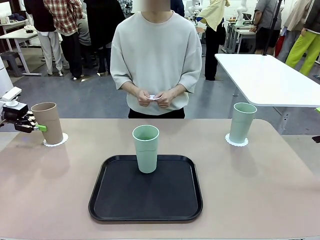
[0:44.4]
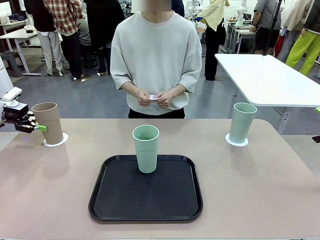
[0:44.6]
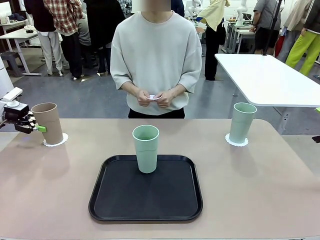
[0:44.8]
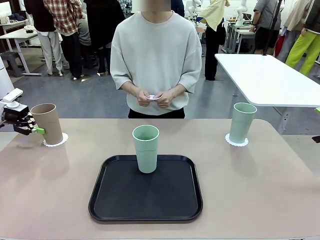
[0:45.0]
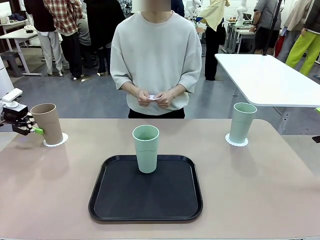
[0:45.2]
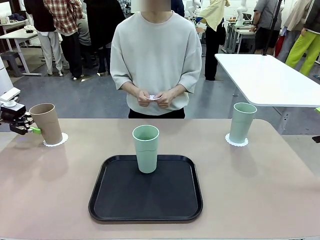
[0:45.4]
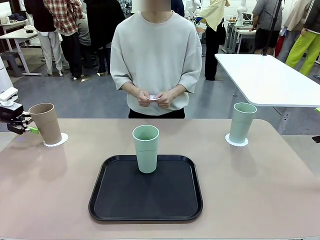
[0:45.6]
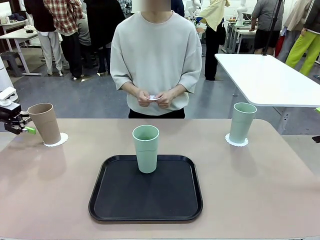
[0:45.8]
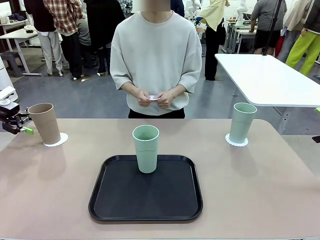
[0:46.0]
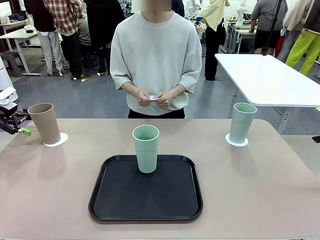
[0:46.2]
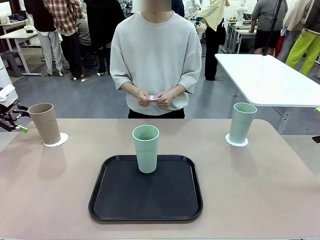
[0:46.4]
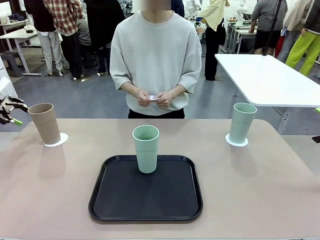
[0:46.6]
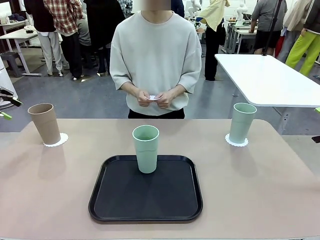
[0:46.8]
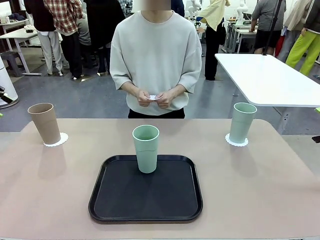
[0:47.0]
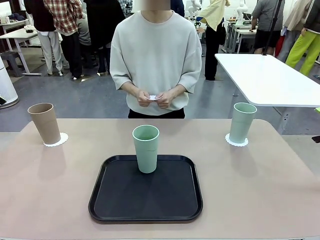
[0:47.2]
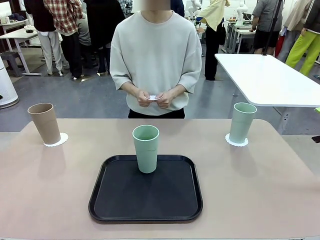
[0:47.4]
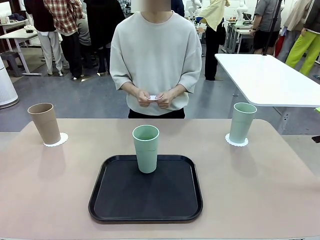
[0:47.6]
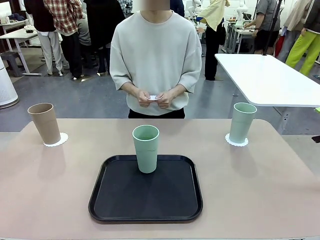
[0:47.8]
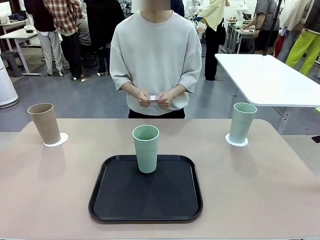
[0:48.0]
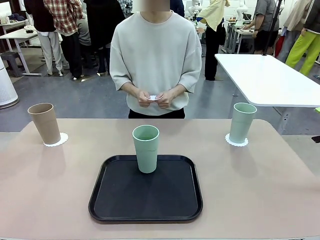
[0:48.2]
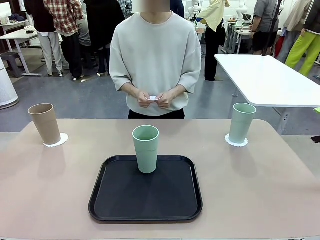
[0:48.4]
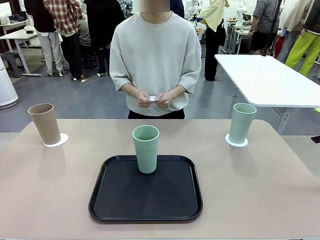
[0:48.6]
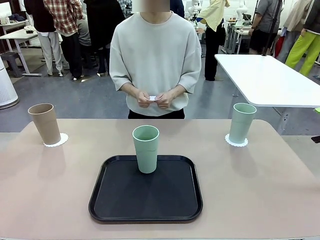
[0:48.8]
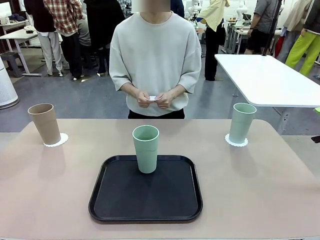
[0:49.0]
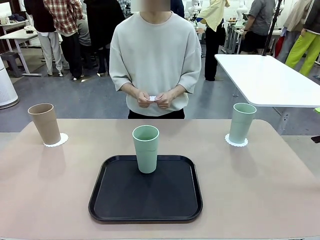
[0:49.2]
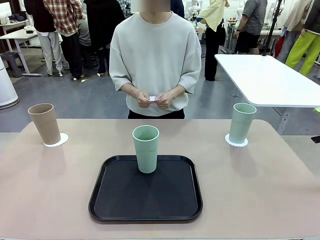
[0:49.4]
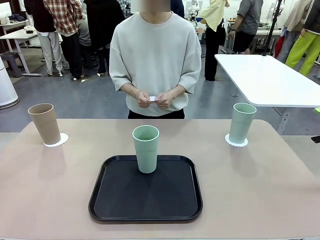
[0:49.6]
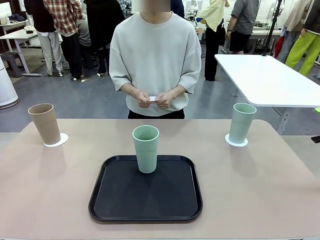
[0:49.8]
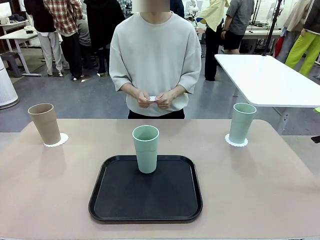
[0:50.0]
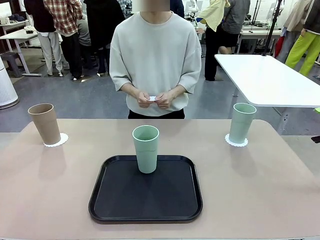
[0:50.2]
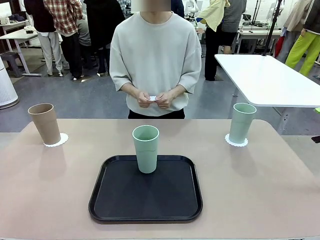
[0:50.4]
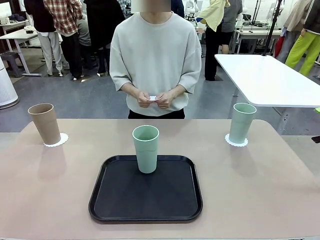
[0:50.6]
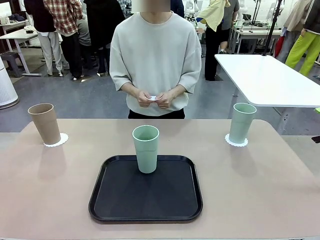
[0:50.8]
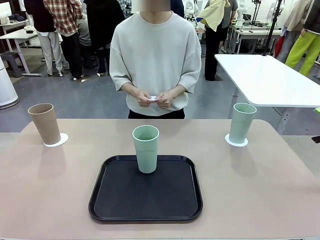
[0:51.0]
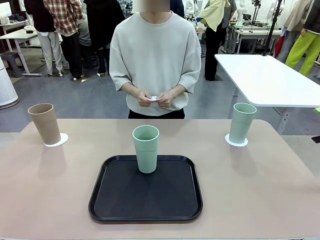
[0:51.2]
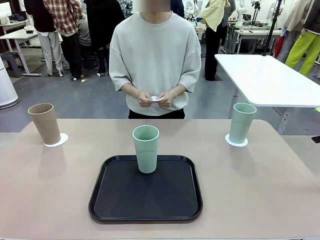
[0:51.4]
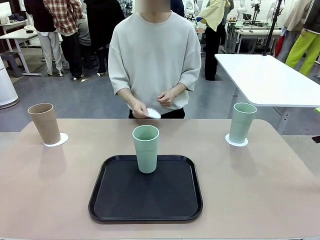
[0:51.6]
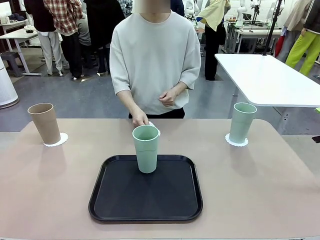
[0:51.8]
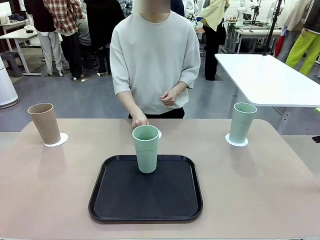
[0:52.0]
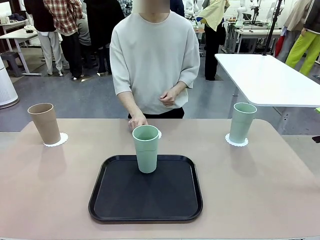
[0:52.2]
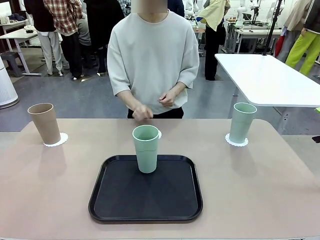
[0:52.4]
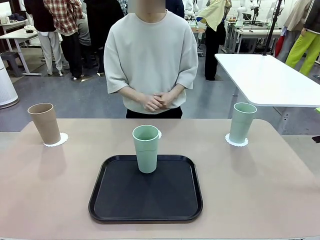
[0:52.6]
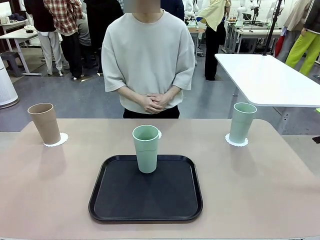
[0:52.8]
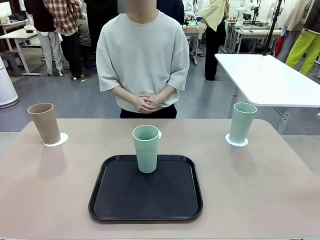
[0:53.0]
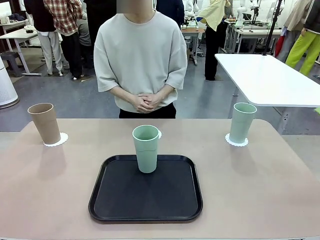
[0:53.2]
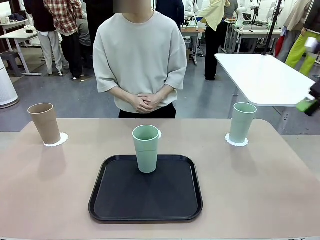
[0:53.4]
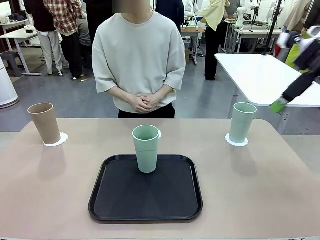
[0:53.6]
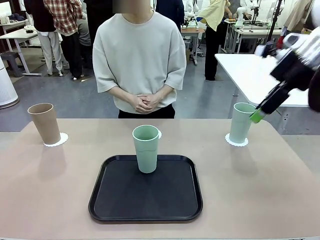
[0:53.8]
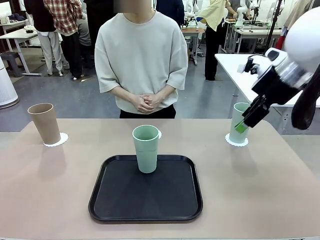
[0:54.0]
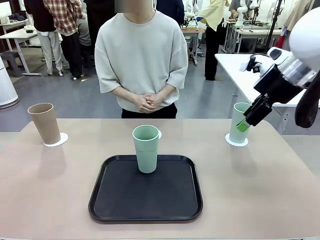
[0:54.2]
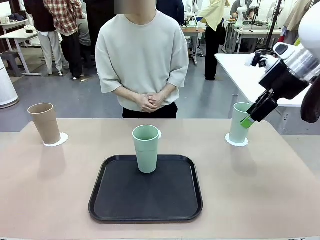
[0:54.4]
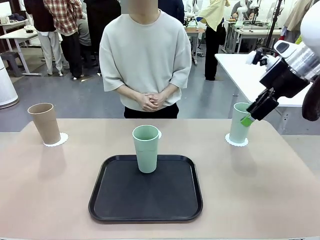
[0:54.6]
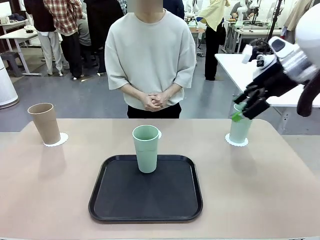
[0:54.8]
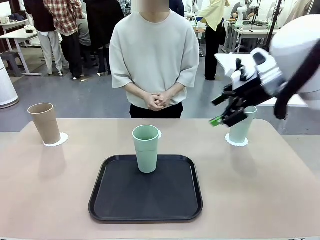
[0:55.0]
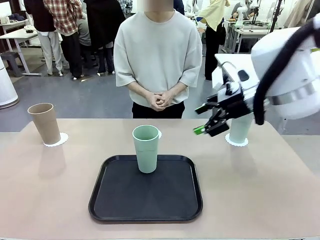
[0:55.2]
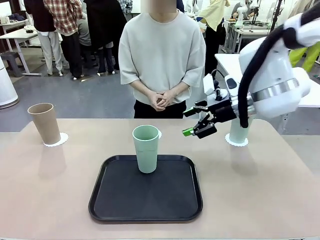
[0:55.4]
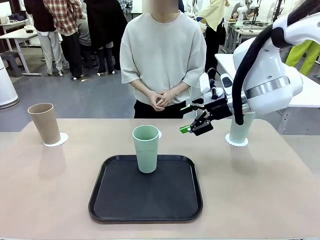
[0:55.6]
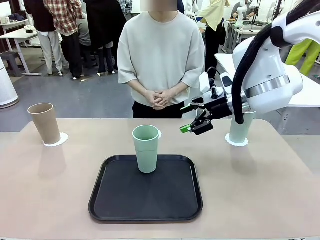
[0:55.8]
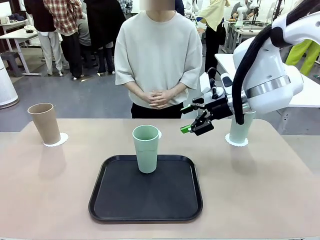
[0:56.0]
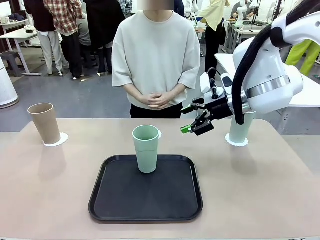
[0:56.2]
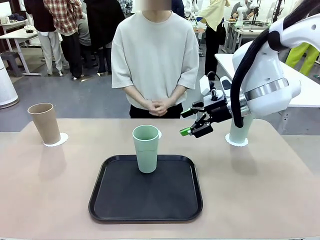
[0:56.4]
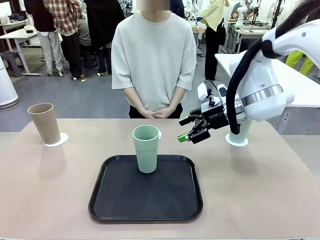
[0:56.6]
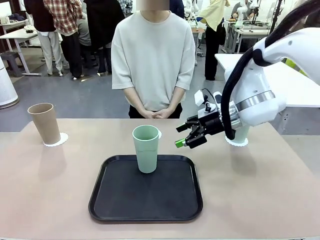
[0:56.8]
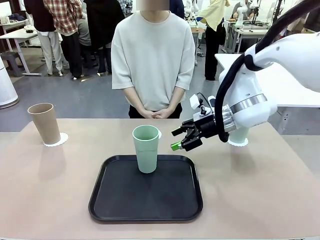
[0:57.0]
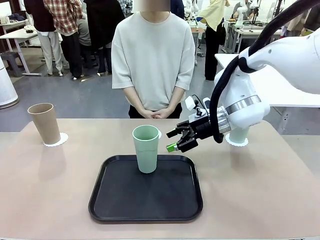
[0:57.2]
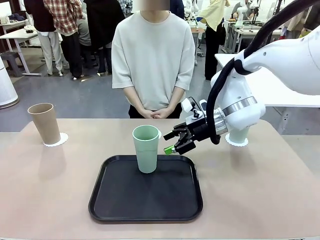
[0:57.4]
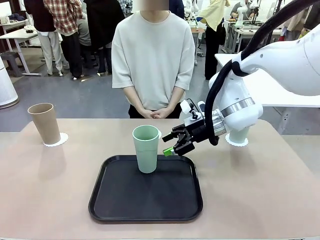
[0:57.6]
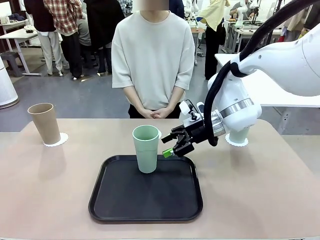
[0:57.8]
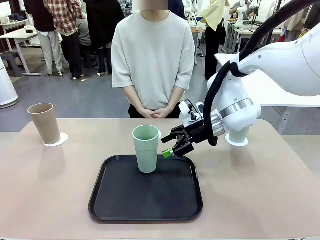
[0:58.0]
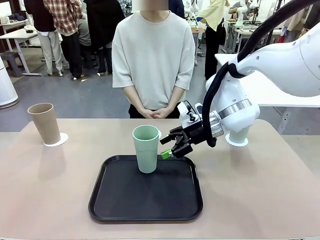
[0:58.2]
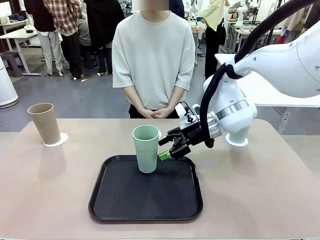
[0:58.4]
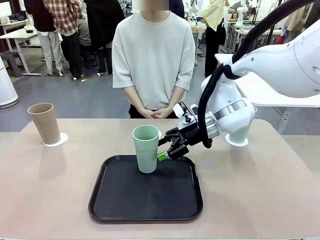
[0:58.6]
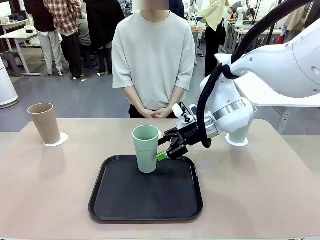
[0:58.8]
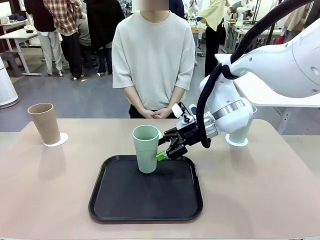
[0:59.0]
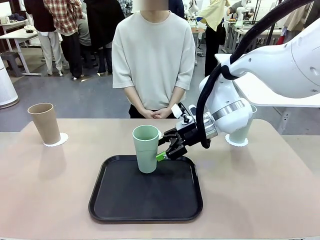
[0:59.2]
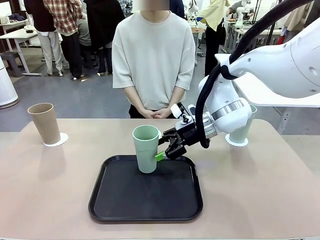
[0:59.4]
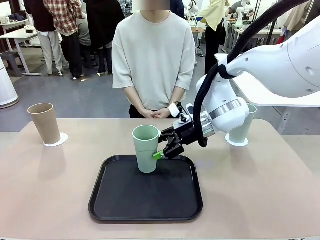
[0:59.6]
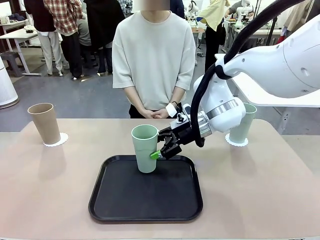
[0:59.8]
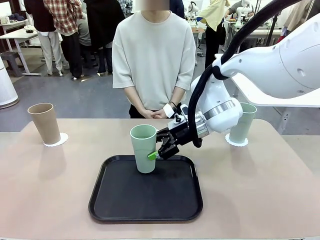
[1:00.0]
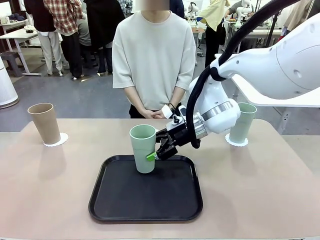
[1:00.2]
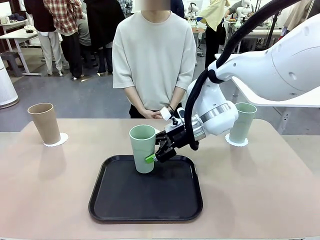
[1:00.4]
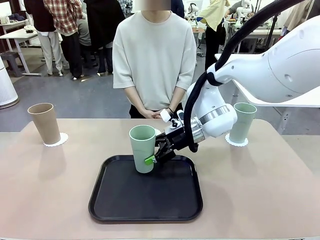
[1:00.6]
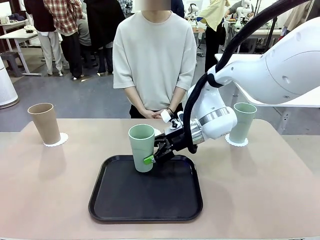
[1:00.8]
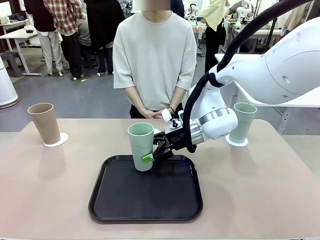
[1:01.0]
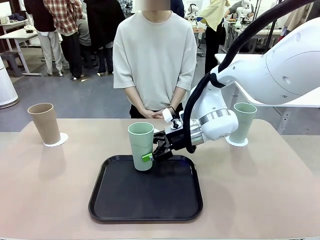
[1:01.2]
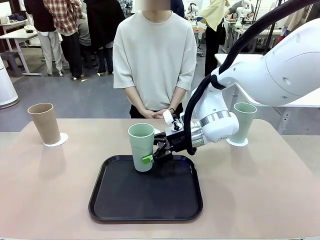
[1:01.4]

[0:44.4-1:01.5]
Task: Place coasters on the table and set cups on them.
Robot: Take one Reusable plastic cup from the Flat Tray and place it on a coaster set by the human.
